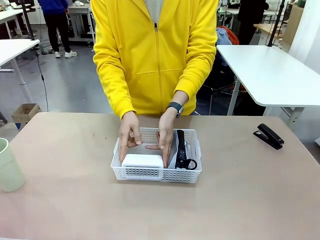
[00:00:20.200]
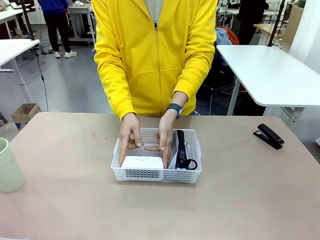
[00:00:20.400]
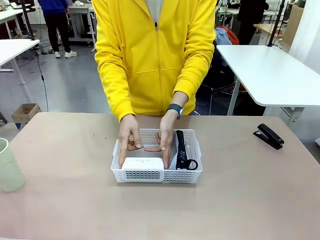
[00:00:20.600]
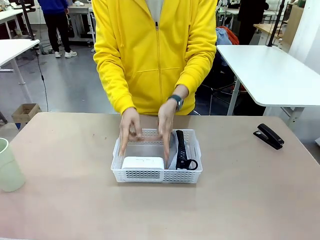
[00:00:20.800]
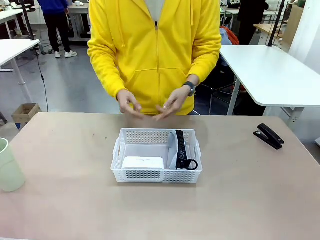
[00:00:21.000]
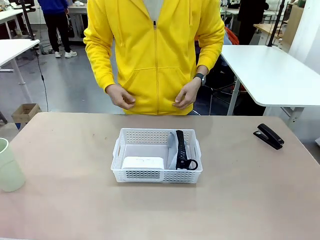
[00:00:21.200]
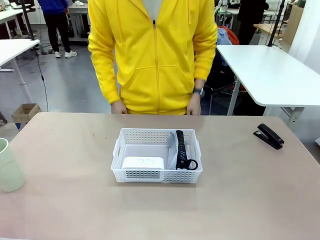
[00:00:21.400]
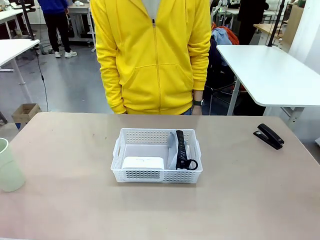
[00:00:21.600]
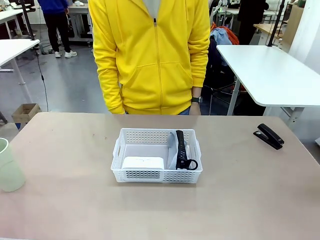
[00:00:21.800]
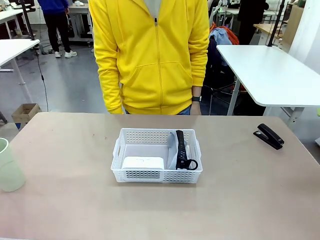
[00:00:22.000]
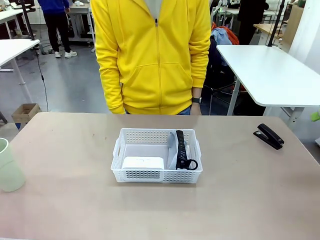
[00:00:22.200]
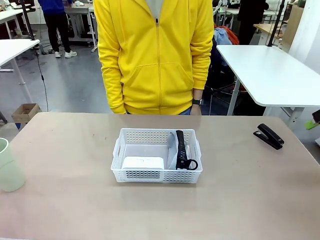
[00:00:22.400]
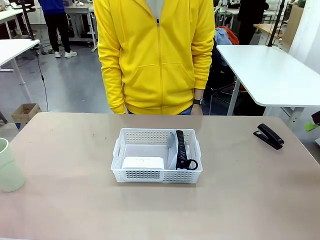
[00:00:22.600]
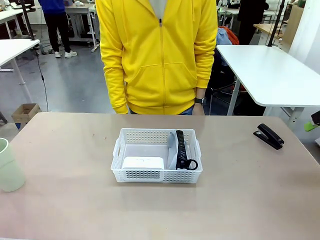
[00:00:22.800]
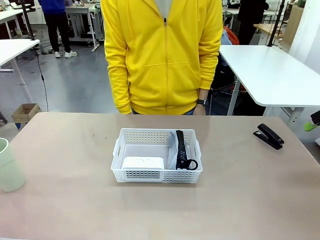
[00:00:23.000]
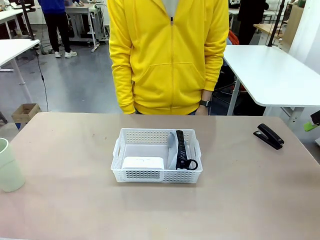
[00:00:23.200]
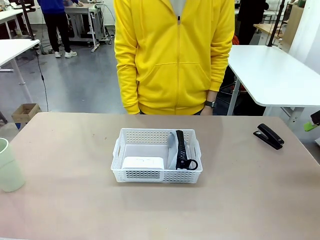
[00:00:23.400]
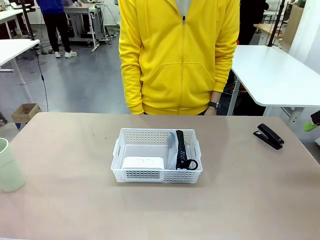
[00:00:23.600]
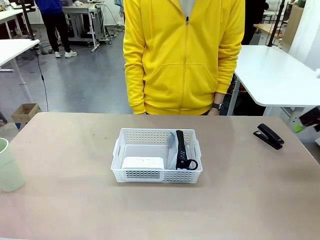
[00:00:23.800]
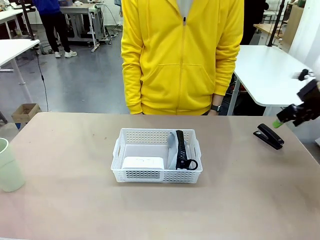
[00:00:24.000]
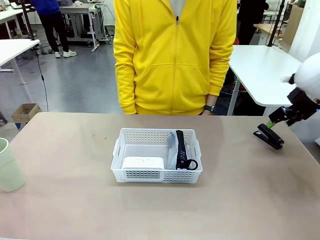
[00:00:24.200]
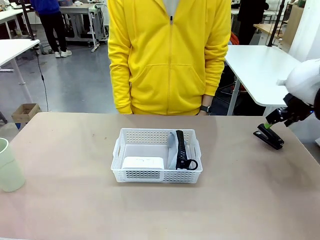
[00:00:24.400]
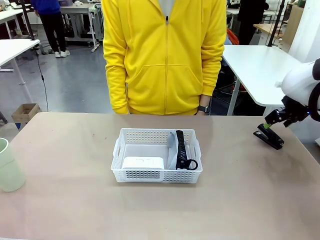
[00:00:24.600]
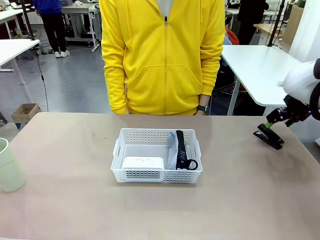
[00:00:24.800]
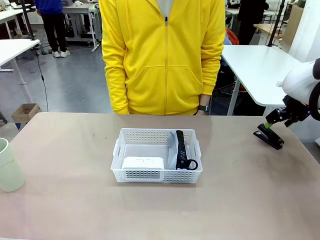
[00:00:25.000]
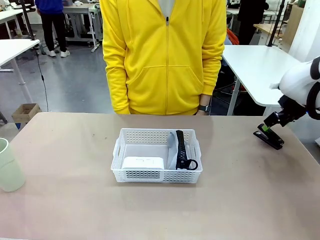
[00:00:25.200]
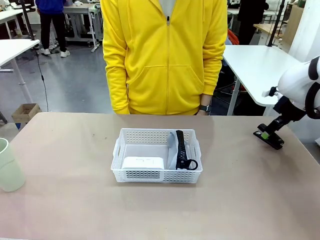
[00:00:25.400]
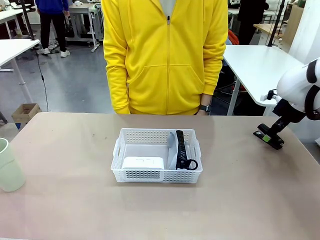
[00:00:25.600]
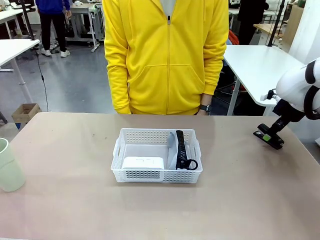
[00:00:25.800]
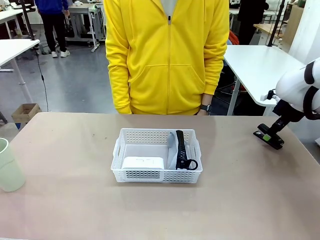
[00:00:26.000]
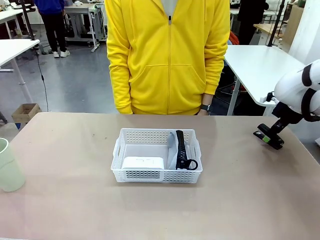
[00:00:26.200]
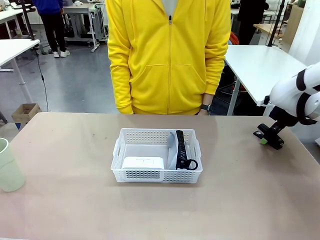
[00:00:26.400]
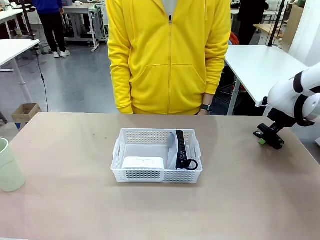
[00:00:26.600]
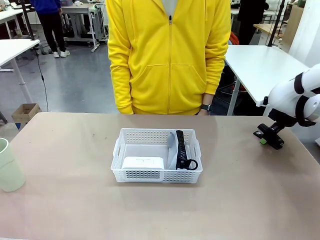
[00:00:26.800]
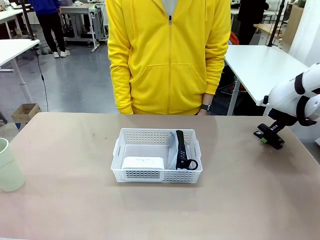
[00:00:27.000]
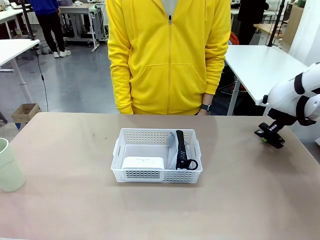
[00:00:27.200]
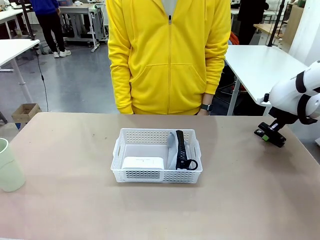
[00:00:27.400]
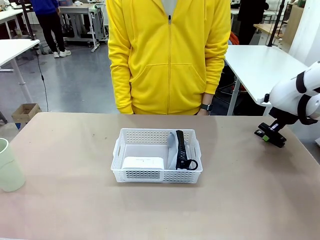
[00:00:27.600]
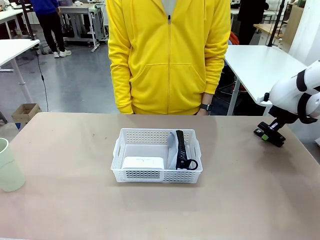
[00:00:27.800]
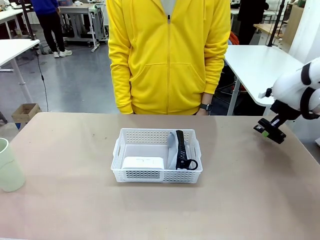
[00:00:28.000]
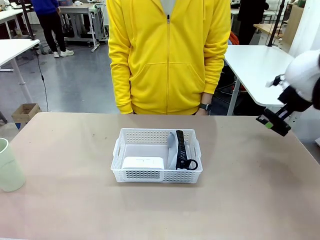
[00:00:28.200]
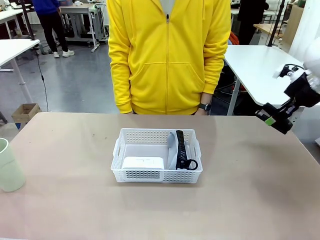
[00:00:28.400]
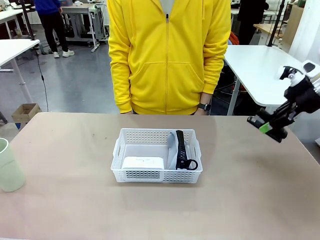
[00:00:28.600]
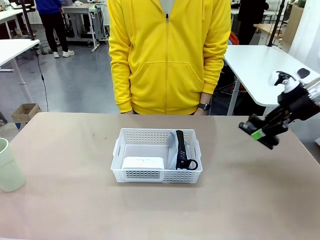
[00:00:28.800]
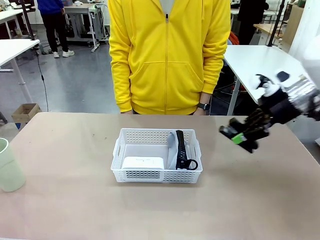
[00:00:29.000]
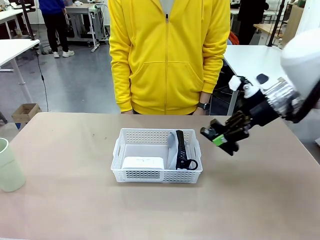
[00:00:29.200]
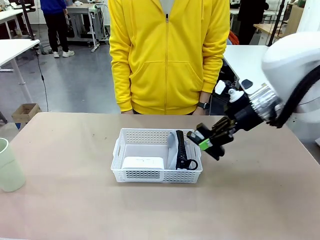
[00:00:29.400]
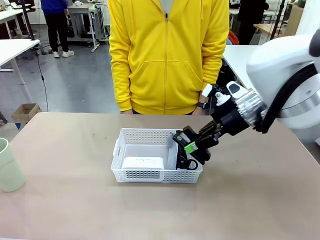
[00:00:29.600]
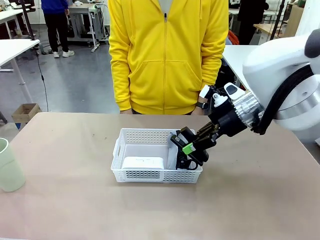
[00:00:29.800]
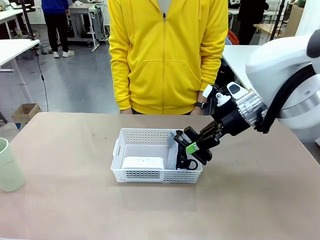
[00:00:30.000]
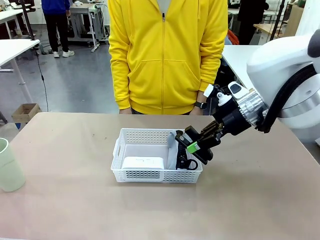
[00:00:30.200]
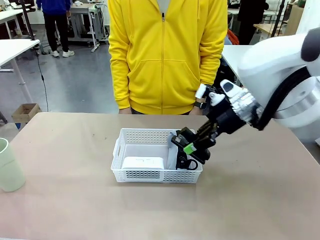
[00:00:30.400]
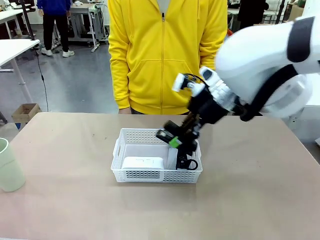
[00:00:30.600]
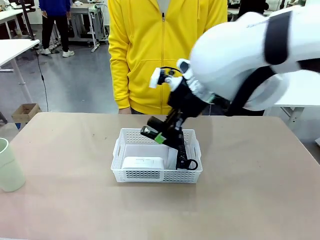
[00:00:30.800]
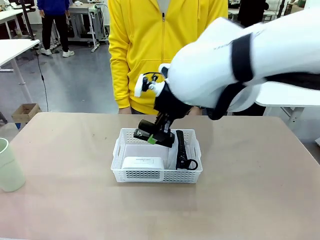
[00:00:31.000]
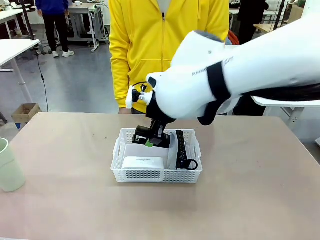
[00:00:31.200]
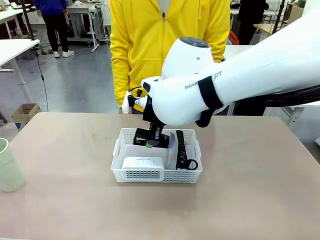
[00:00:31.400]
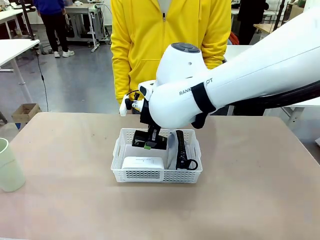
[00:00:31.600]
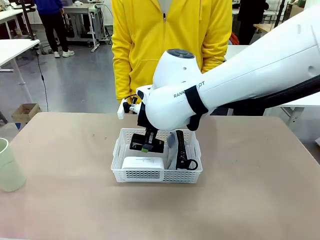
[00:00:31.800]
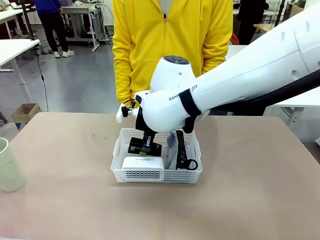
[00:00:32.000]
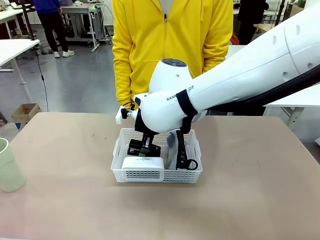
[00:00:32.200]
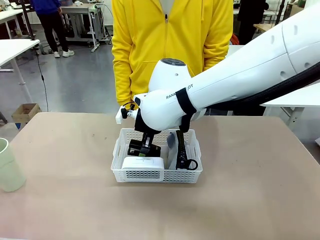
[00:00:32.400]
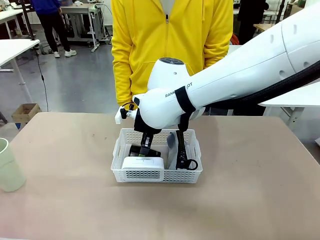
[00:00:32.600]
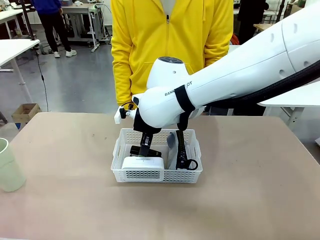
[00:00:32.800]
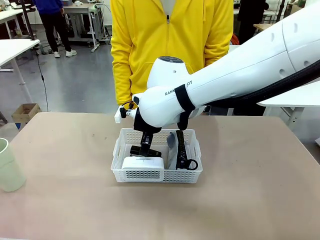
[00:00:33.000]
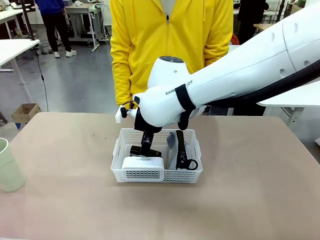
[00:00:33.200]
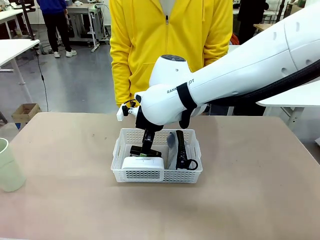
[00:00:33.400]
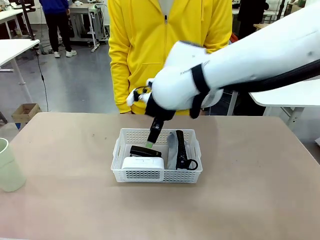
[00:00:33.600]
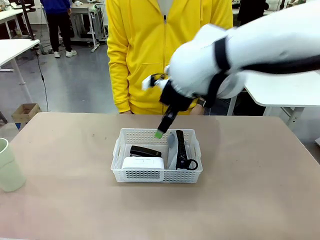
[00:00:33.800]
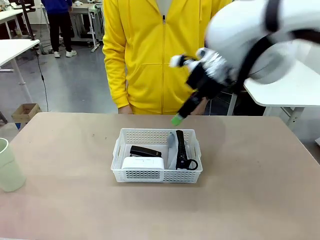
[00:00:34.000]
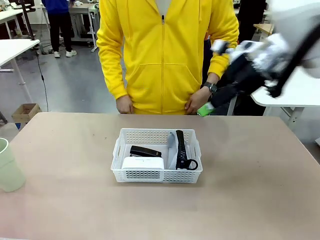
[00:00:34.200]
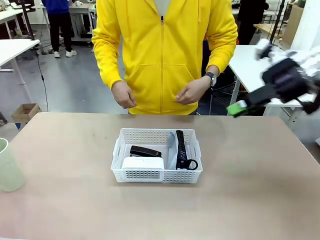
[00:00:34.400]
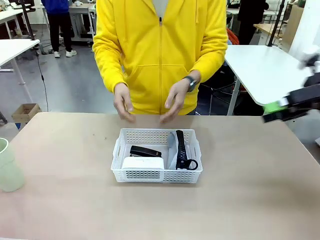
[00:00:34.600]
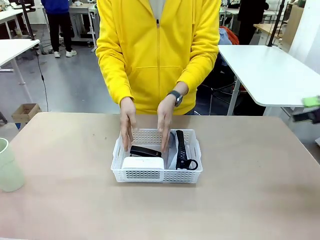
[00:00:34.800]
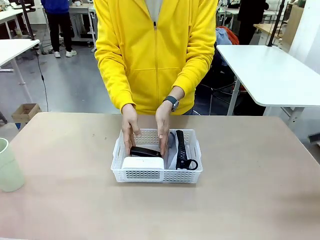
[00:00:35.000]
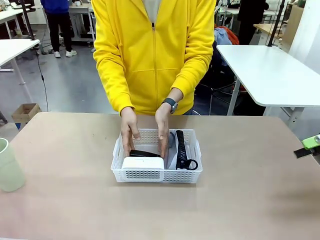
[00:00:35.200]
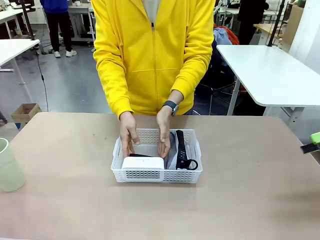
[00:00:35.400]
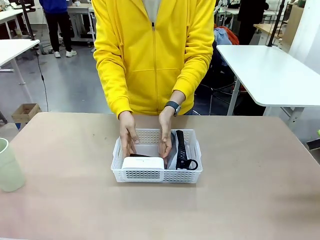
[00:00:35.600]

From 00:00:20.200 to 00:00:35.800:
Task: Efficiently arrange items inside the basket to fit them all.
Robot: Pick up the Stapler and place it inside the Organizing basket.
